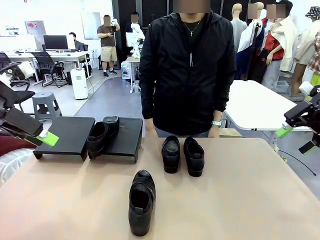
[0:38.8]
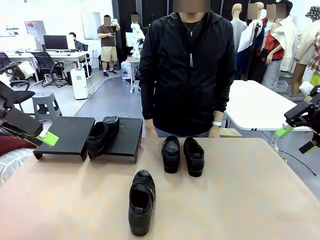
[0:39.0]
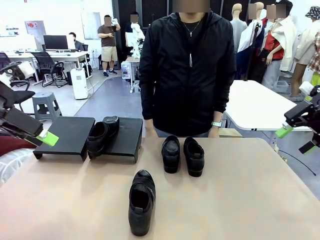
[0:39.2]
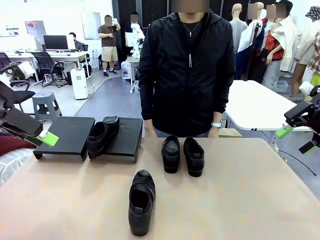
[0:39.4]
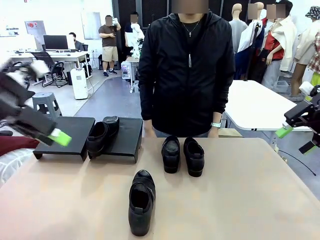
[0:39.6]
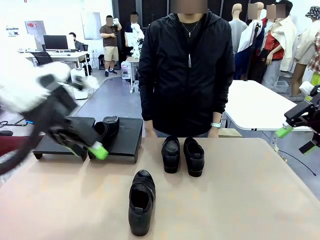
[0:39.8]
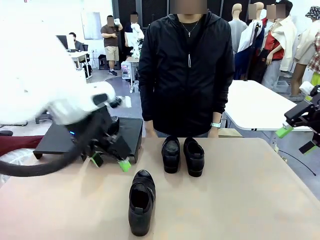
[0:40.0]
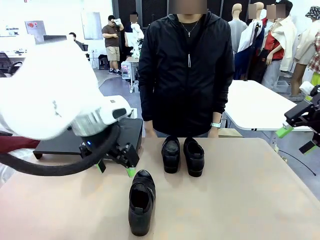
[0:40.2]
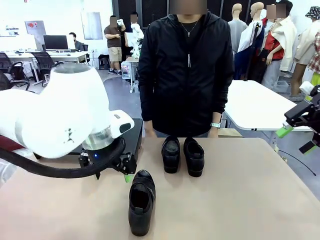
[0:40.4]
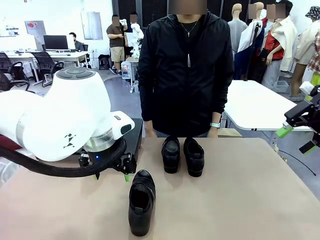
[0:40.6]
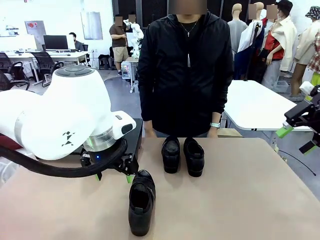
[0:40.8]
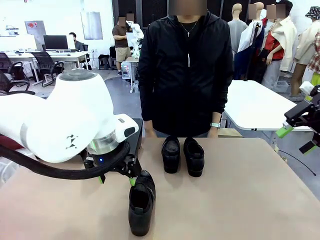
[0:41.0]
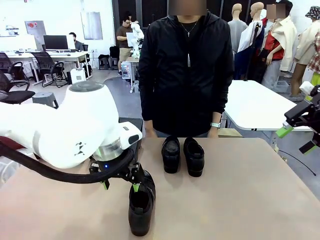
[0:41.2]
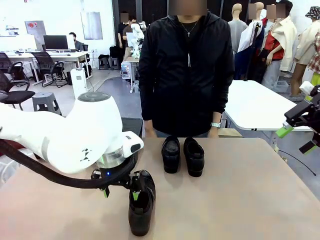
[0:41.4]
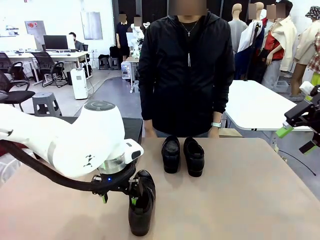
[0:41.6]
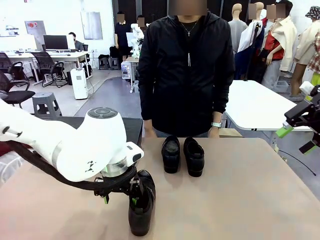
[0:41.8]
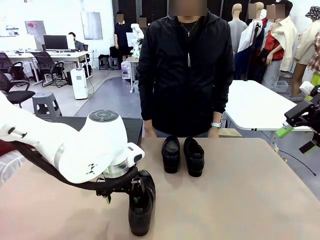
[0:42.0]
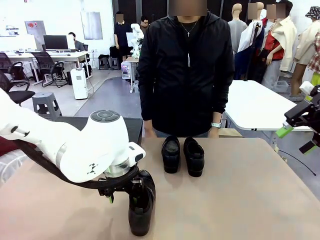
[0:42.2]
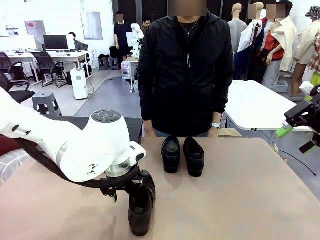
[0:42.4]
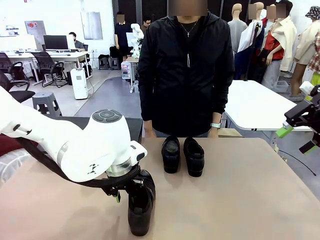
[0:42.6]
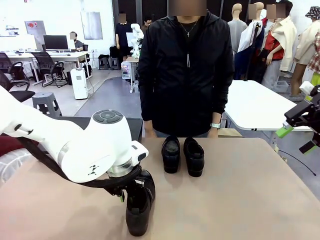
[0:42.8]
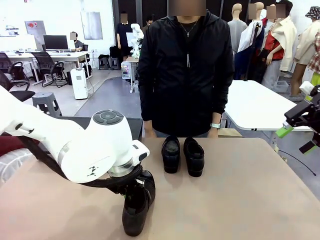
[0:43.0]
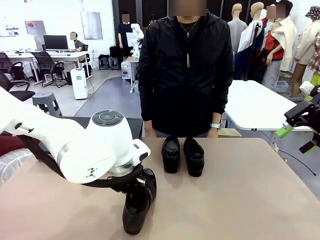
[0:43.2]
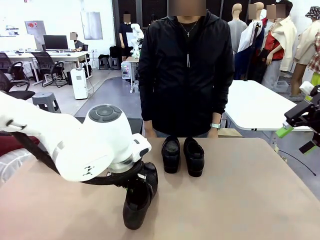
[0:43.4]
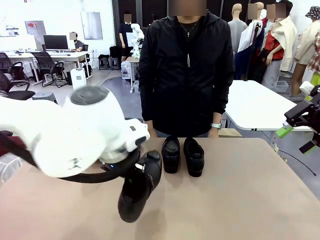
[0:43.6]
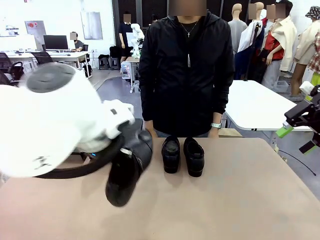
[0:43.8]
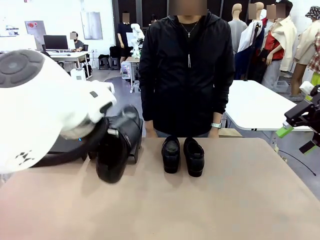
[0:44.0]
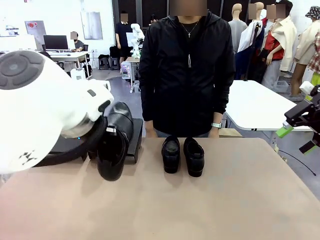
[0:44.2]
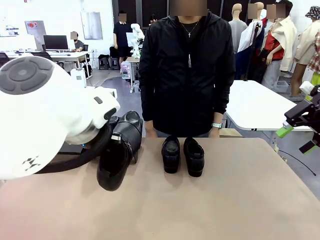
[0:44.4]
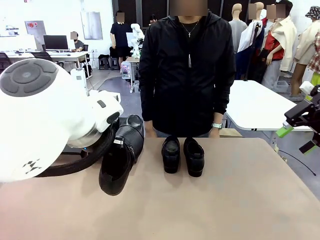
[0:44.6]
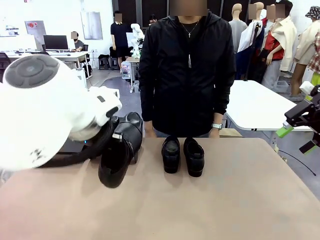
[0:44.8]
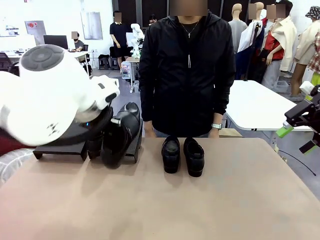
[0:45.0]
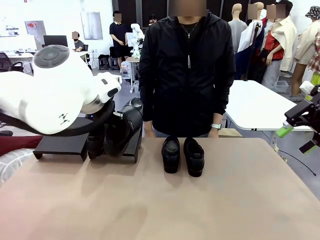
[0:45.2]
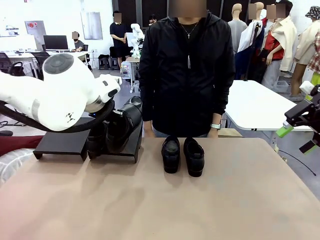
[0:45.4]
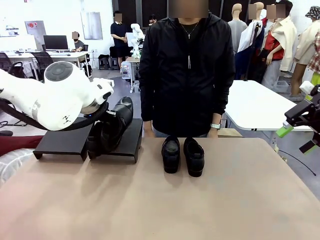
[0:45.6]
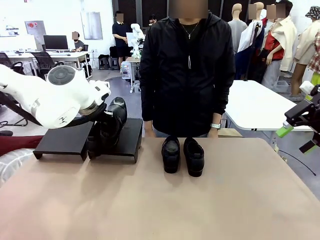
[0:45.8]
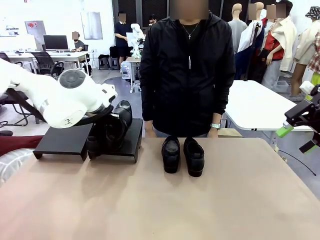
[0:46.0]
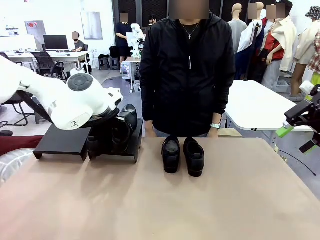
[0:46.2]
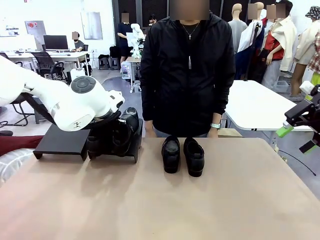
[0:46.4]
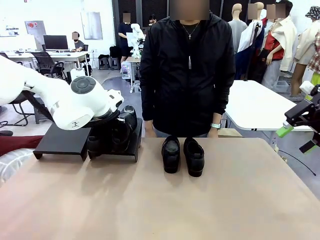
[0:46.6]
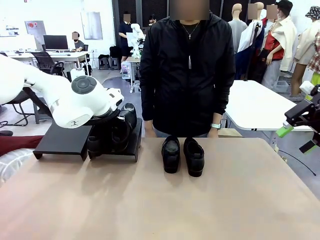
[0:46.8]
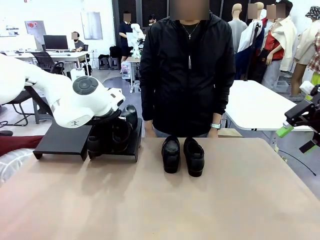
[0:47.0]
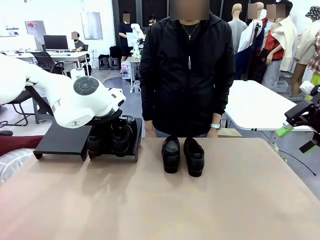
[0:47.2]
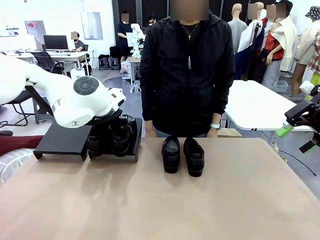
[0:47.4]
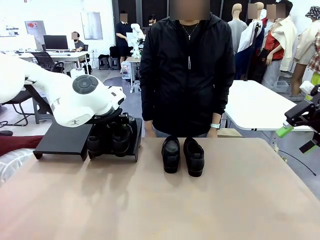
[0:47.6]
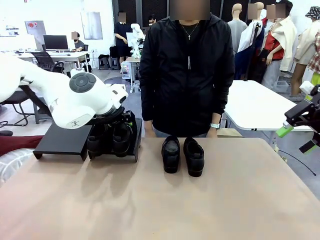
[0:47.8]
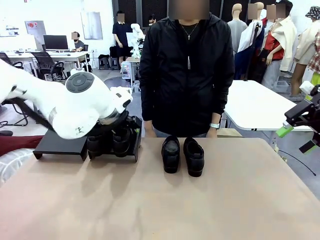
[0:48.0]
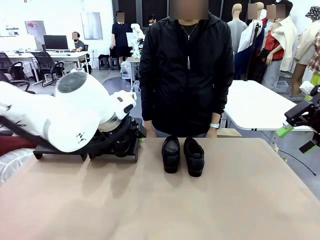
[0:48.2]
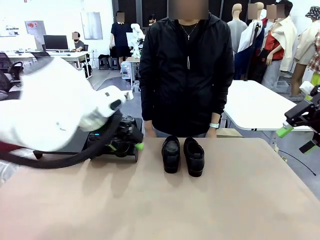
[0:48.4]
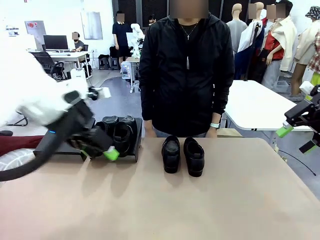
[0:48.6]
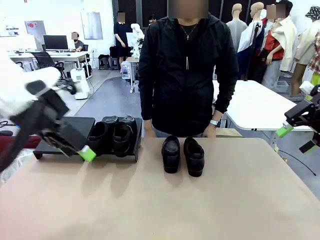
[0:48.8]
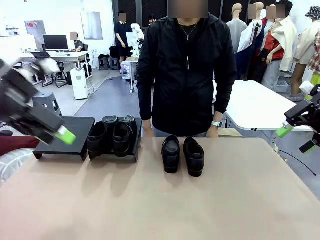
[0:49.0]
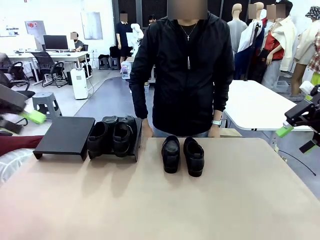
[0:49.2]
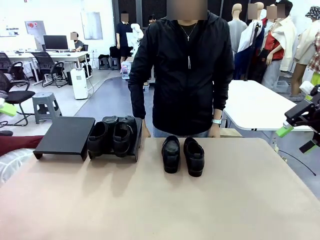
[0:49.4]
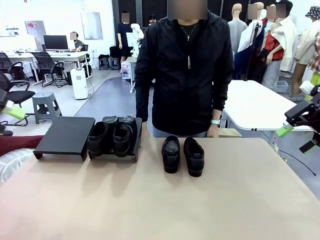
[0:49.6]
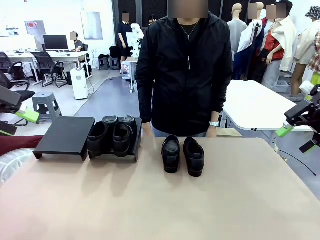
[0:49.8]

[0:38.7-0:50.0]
Task: Organize the shoes by placing them on the stand.
Robot: Place the Shoe from the middle of the table onto the Shoes Stand.

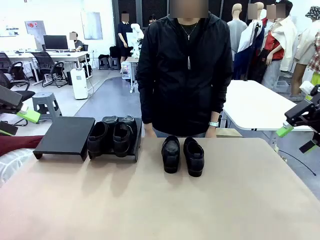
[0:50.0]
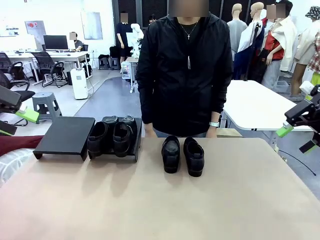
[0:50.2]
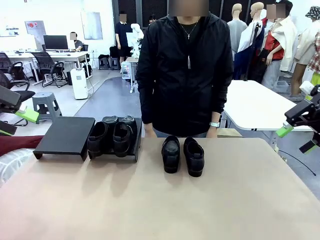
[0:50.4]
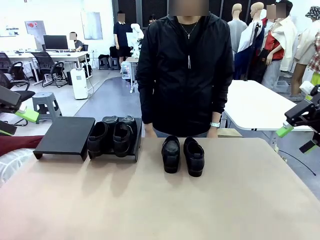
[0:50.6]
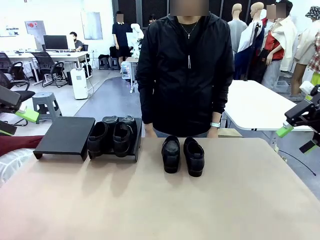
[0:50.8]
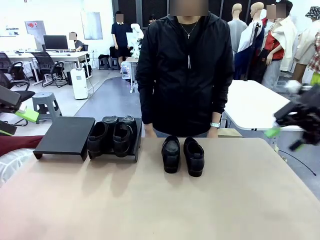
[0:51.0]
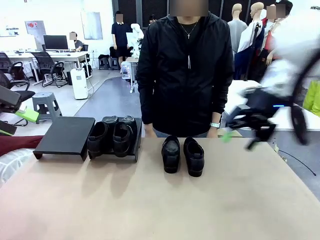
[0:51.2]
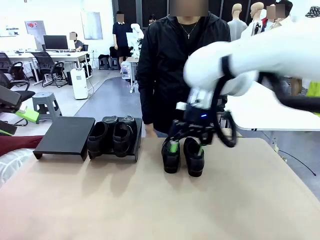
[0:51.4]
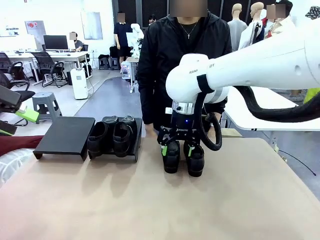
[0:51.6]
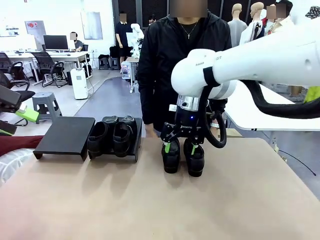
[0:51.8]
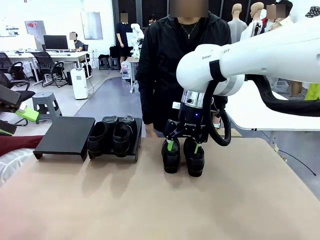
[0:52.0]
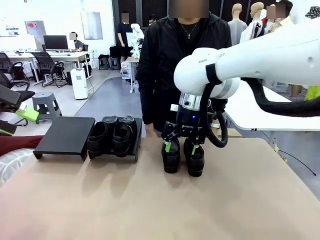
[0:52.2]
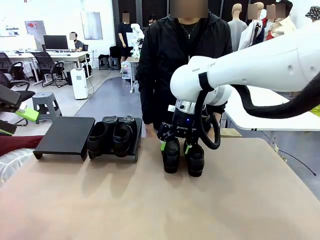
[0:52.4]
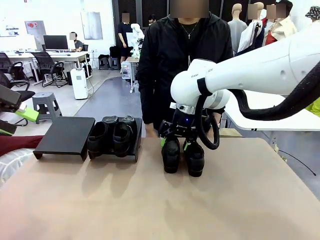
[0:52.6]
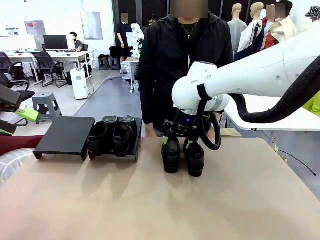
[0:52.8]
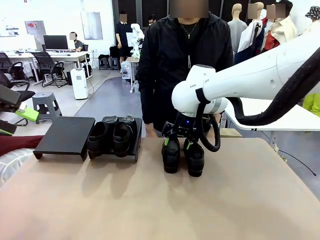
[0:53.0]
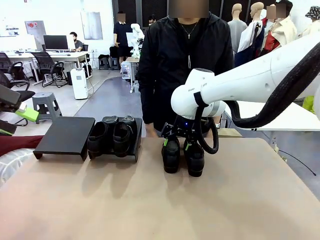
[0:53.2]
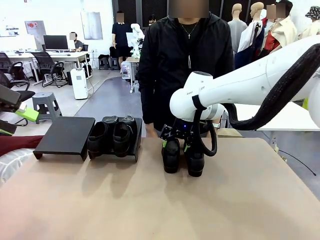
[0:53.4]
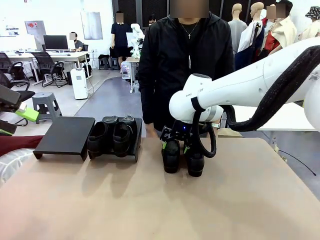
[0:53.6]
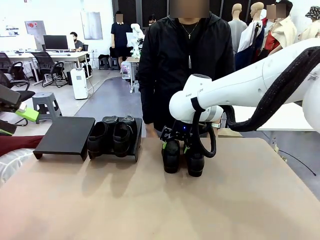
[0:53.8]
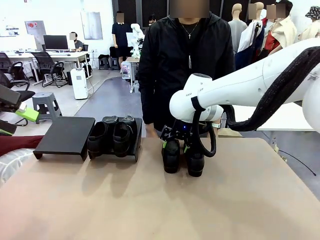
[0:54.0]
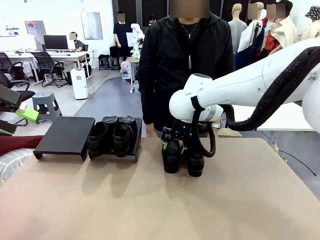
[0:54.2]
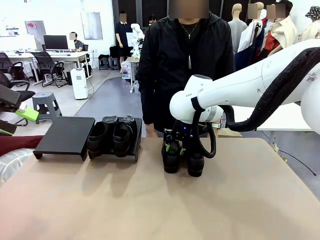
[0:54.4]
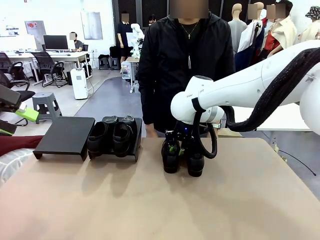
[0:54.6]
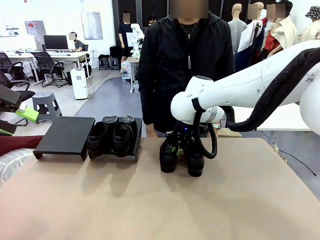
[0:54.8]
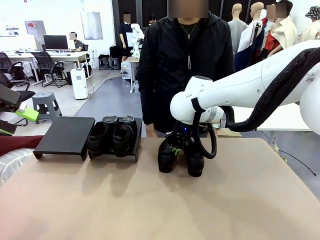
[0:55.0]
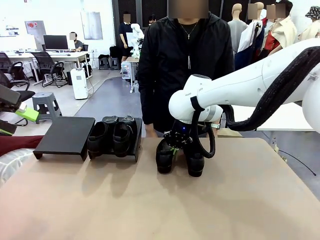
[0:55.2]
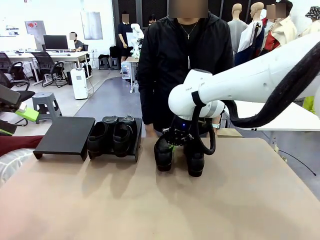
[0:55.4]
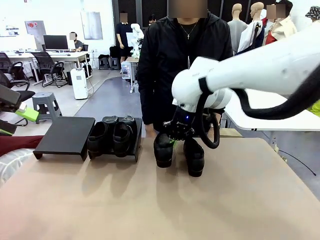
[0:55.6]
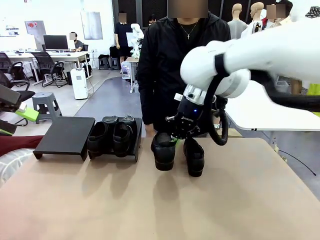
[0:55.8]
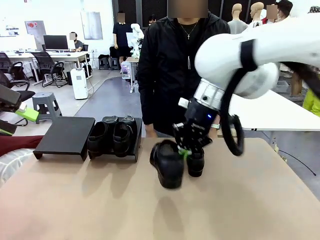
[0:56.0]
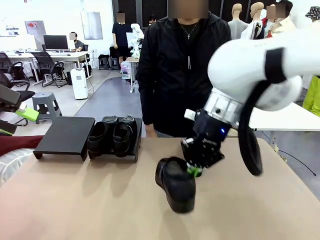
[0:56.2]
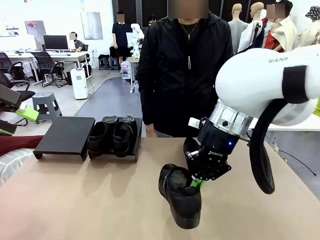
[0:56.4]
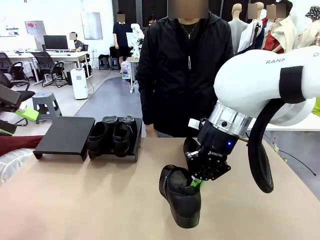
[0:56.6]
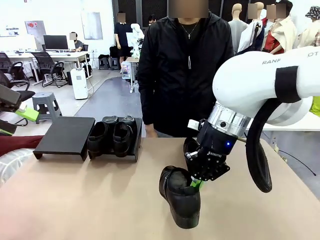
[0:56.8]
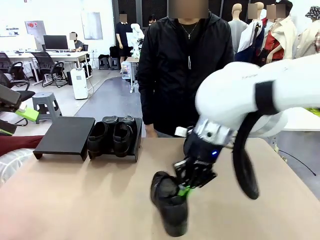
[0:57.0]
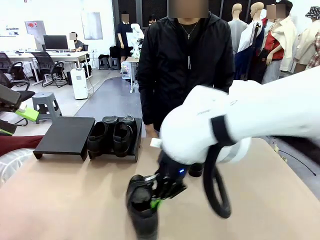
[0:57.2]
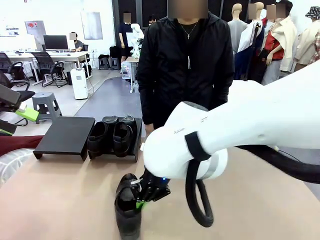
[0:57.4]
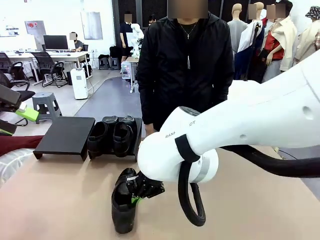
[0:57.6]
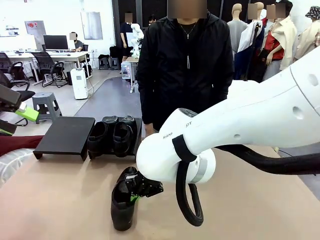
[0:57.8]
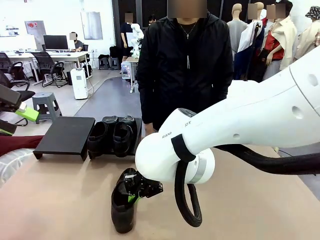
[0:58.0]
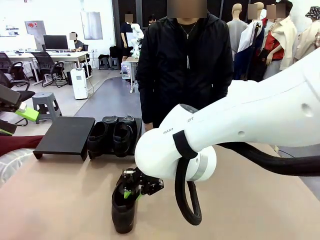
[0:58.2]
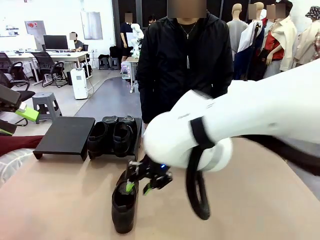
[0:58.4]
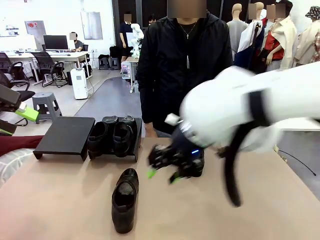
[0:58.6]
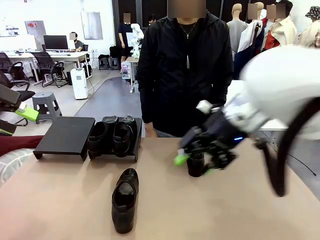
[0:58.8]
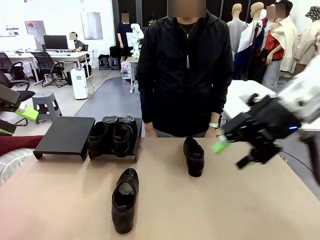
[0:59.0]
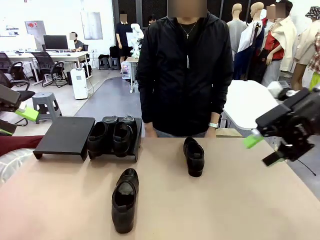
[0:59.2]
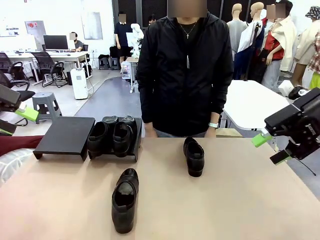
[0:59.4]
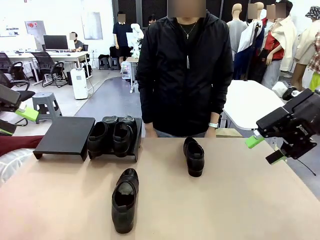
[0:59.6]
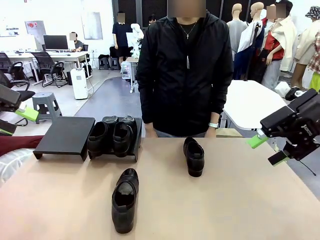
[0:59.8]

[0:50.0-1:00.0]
Robot: Pick up one Shoe and place it in the middle of the table.
